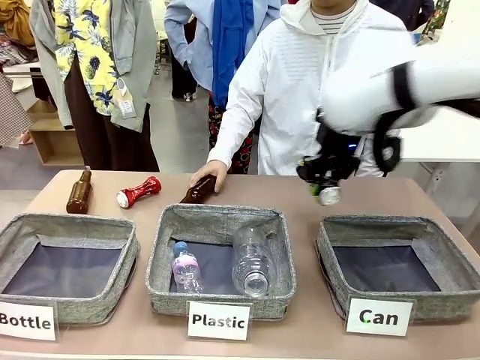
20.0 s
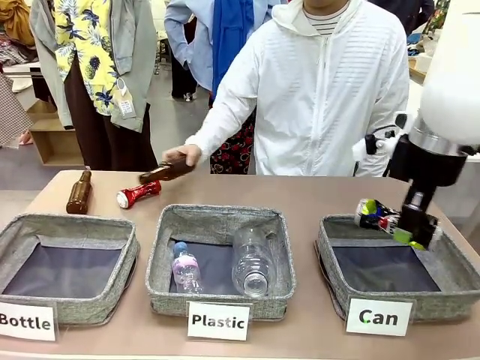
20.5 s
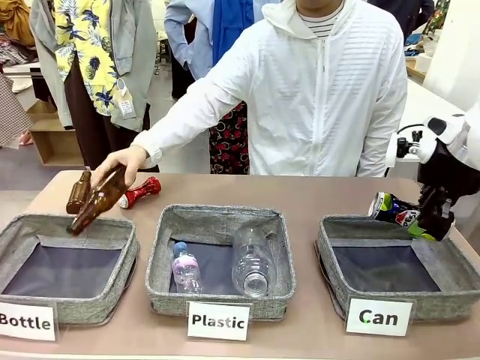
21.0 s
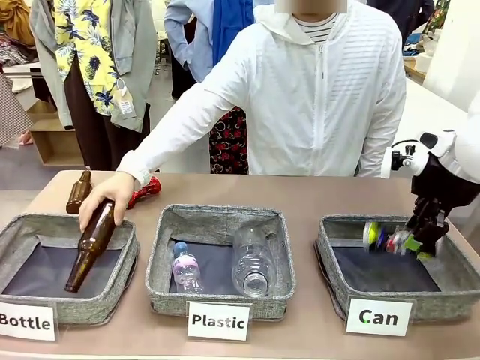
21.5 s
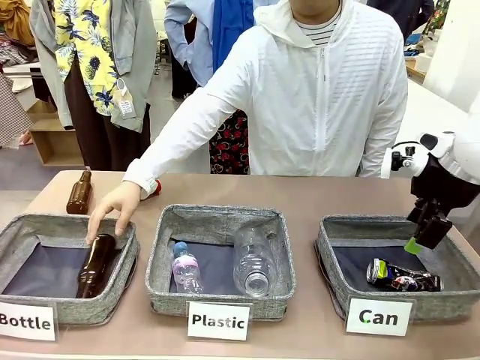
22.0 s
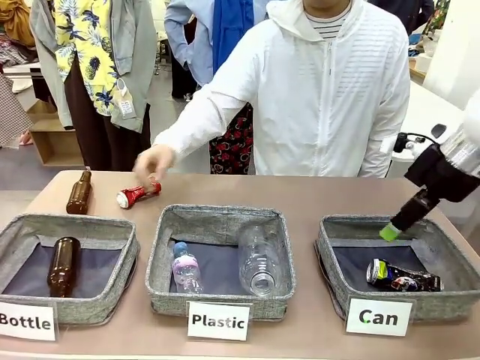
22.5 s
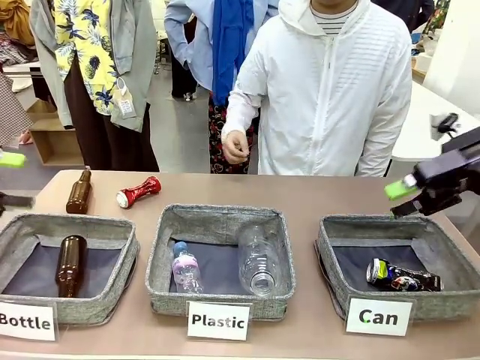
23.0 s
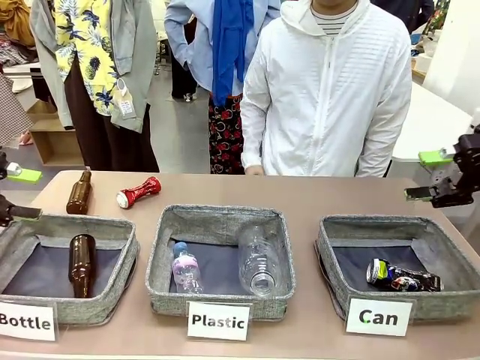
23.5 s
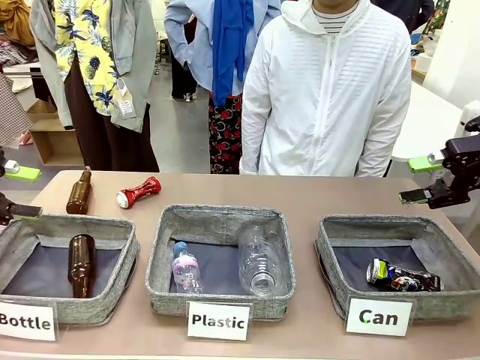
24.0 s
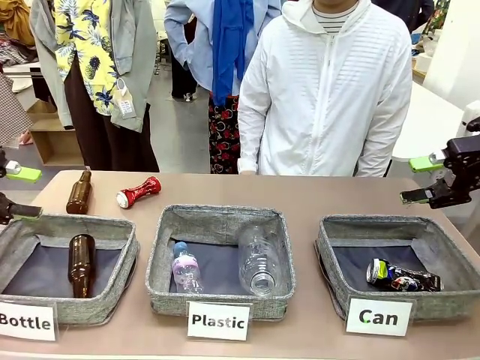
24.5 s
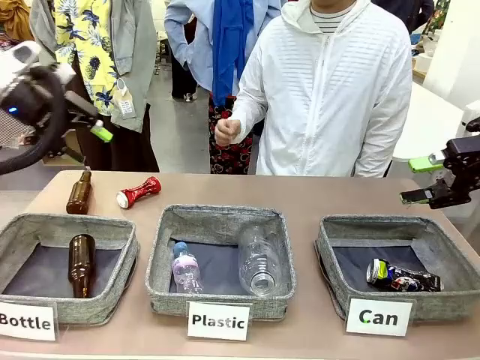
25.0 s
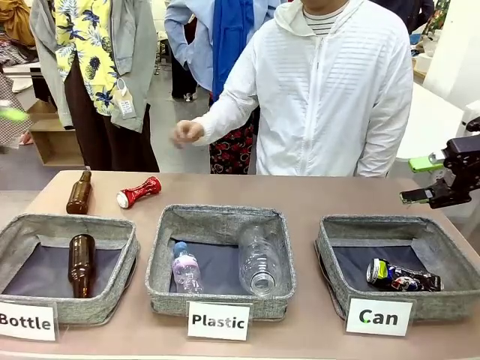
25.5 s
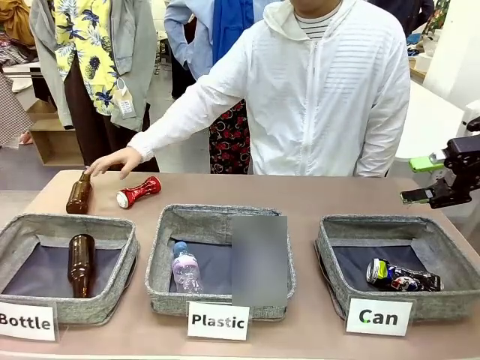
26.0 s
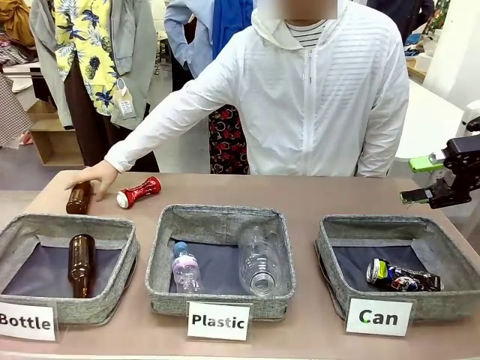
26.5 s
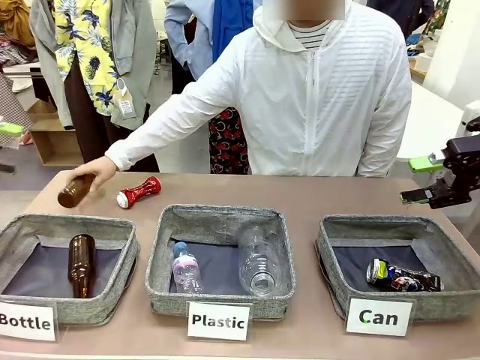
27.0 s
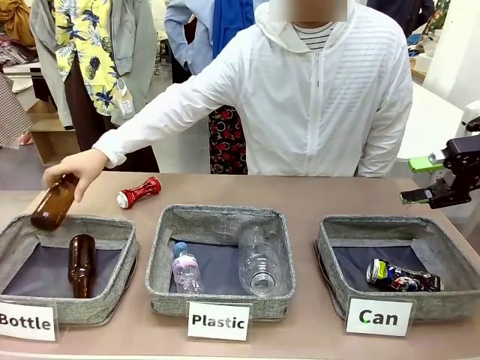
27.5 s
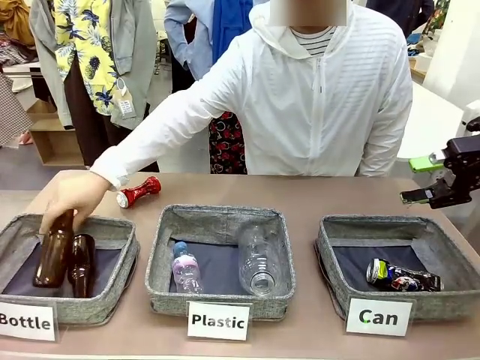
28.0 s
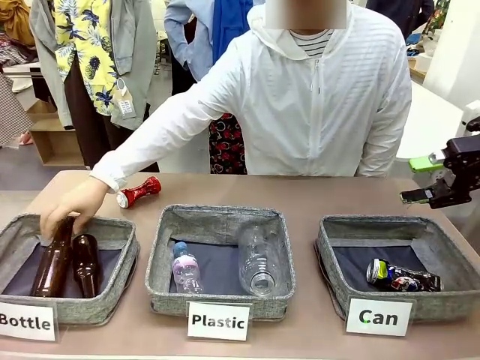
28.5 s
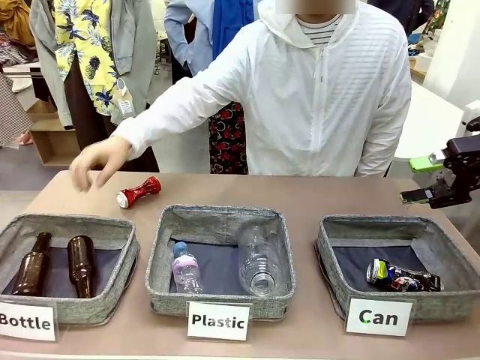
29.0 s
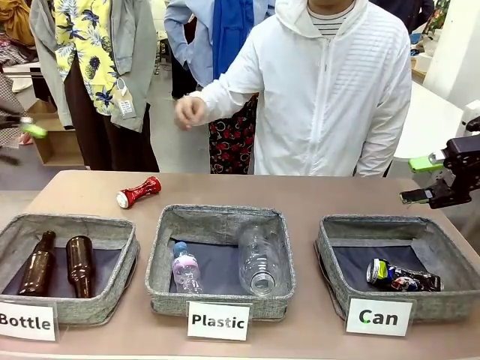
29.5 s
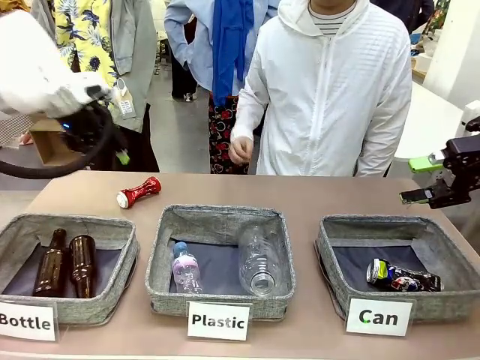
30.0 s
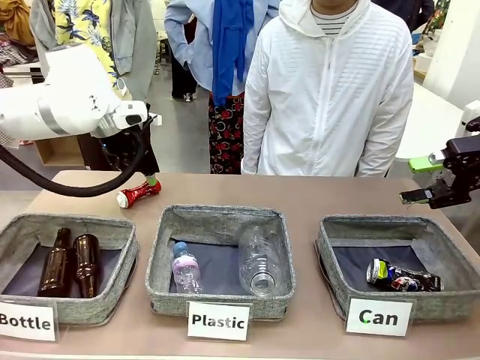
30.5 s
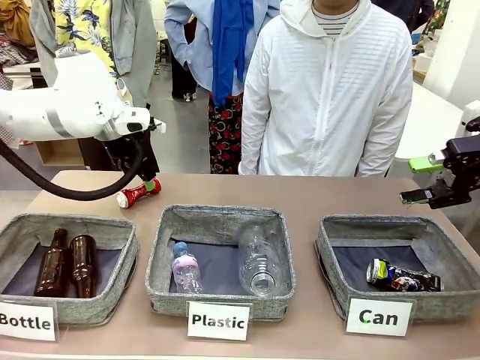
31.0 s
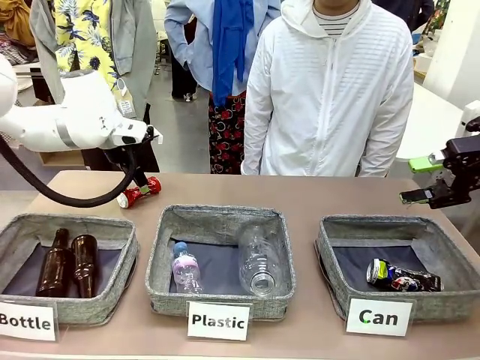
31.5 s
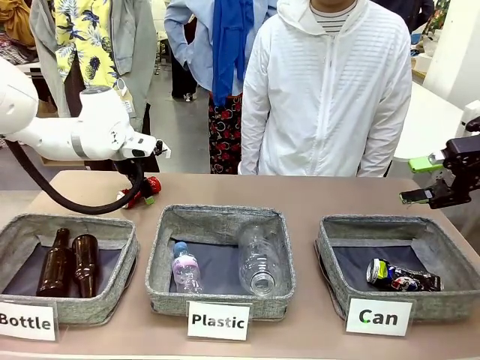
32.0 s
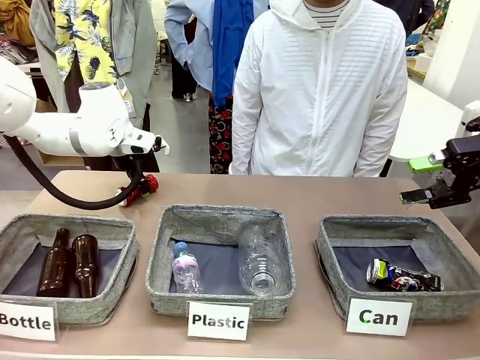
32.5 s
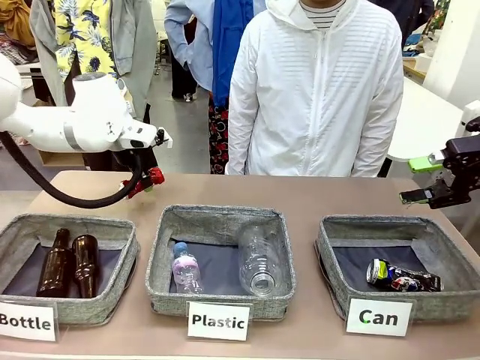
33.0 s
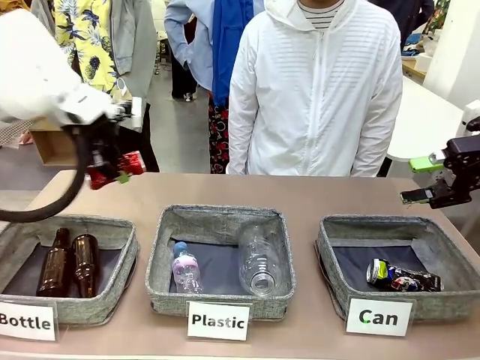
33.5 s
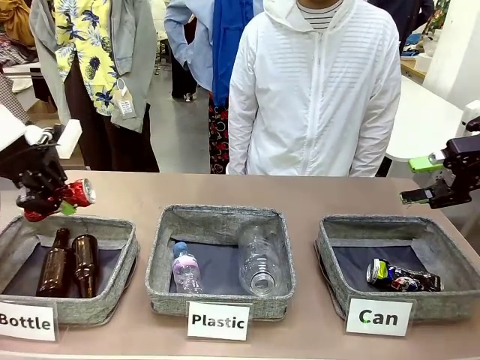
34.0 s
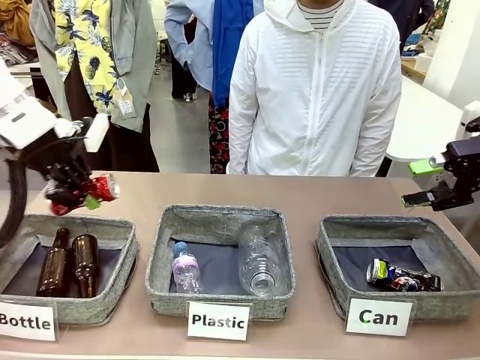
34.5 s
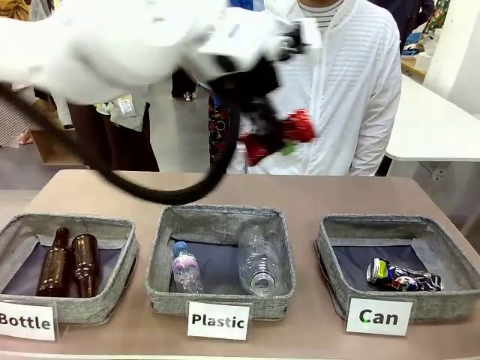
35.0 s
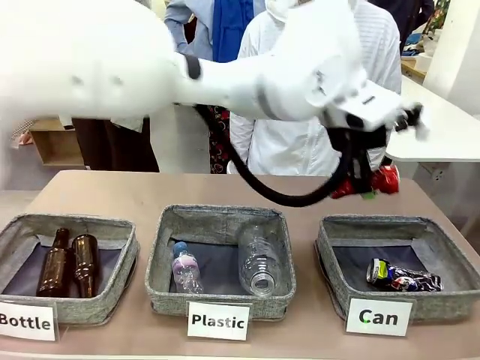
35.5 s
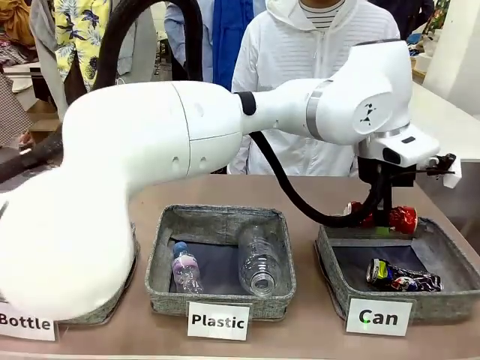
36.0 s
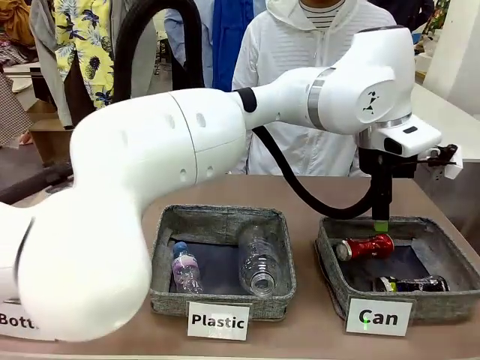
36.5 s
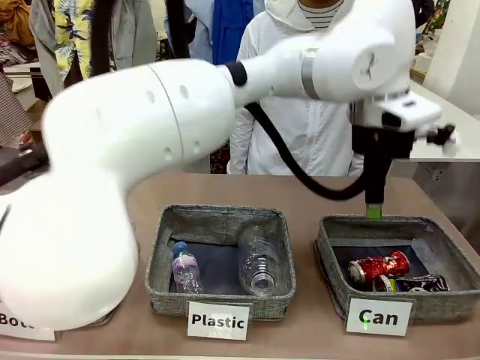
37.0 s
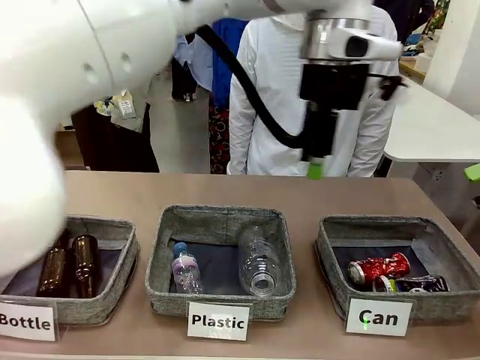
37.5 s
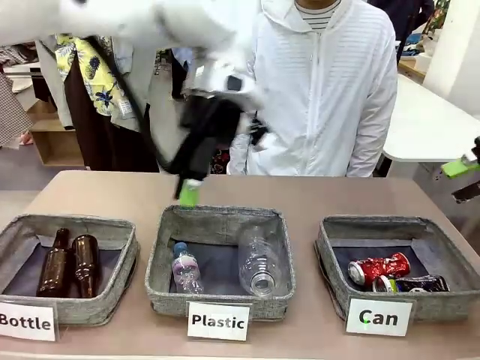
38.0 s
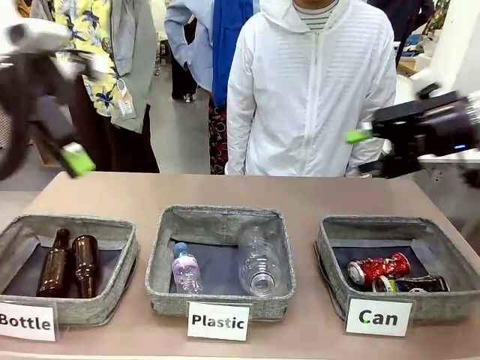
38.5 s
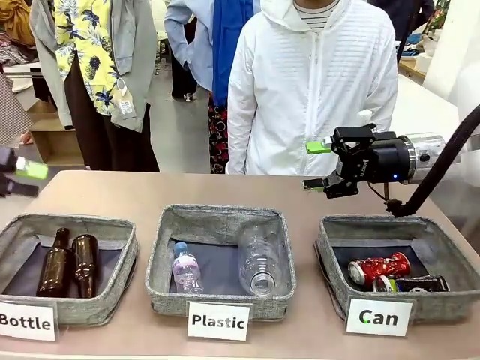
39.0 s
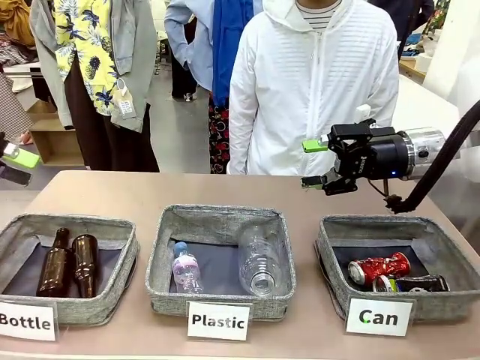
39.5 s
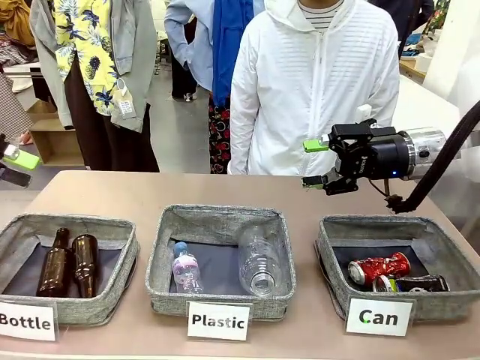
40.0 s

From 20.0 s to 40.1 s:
Task: Sort the can waste into the basket.
Robot: Pick up the can waste from the table and place it in the right Fabric basket.
Person: The human picks up one piece of trash that is not a can and places the trash into the appropriate organizing basket.

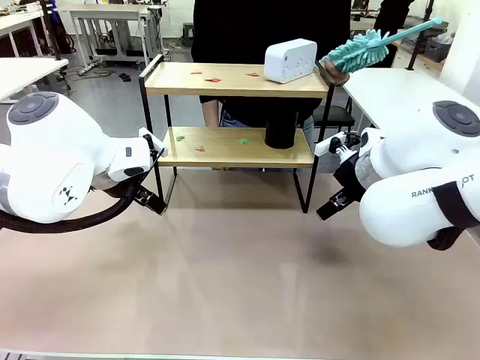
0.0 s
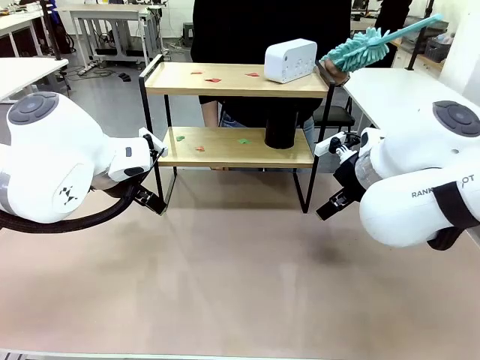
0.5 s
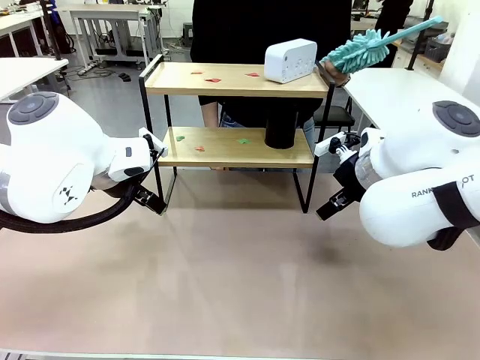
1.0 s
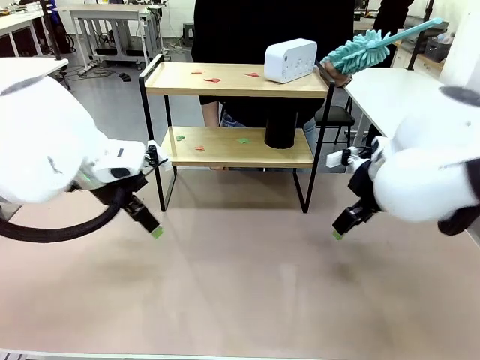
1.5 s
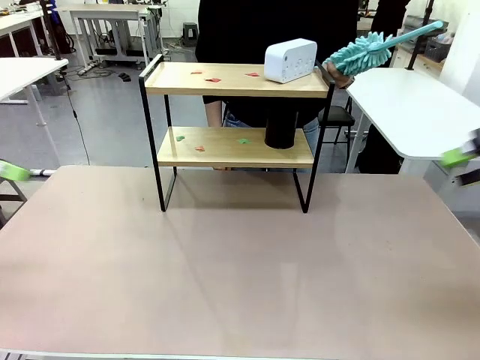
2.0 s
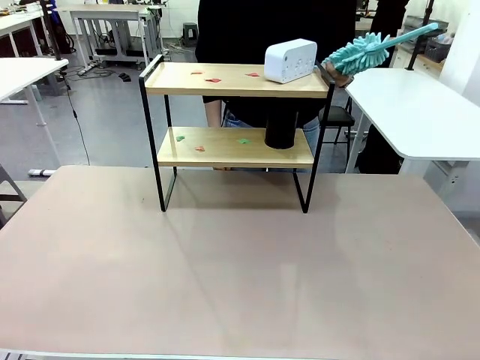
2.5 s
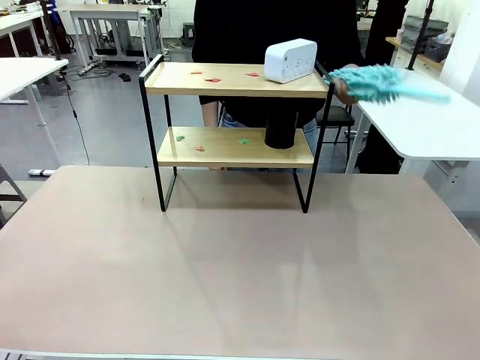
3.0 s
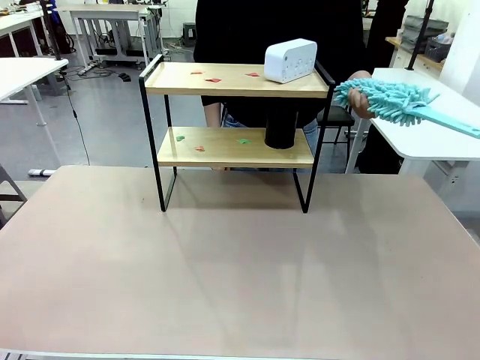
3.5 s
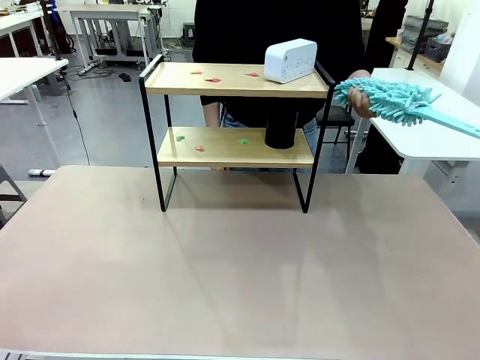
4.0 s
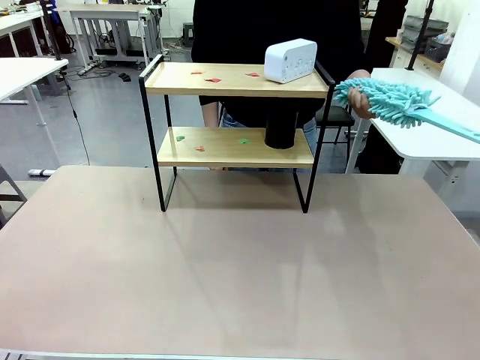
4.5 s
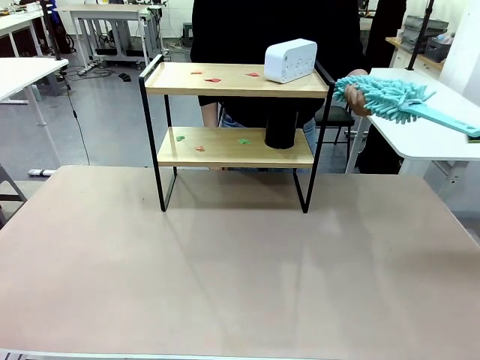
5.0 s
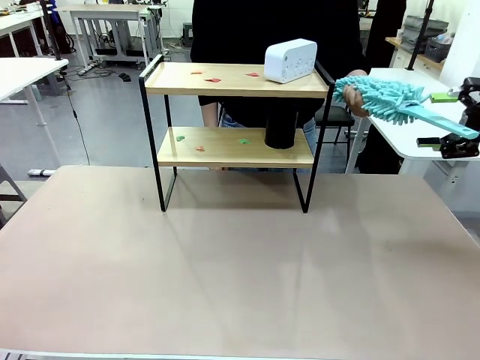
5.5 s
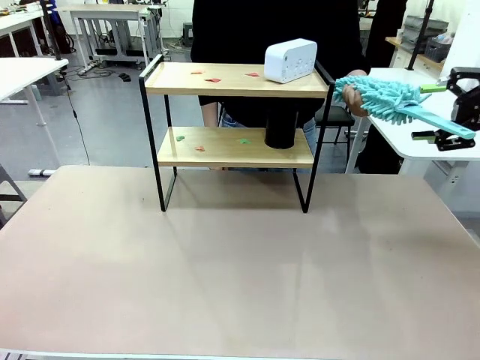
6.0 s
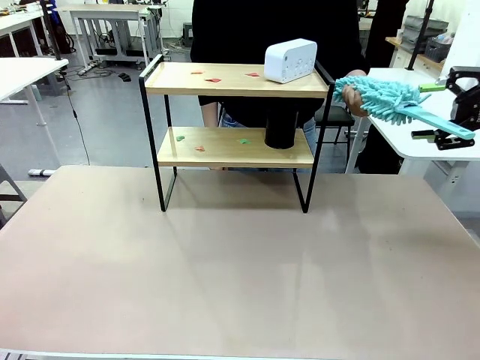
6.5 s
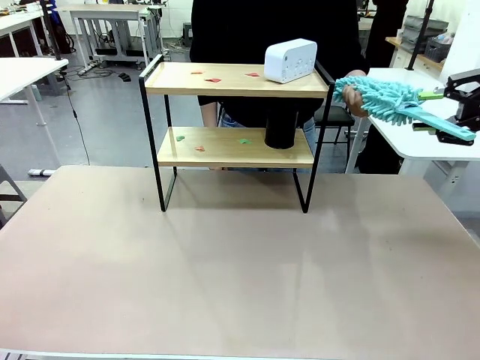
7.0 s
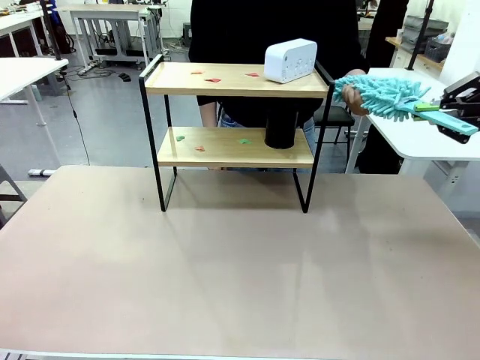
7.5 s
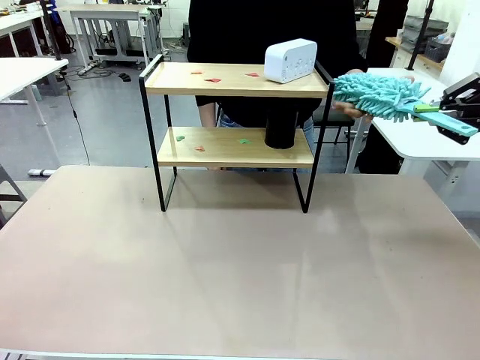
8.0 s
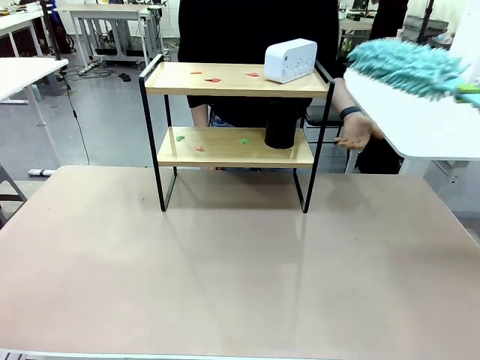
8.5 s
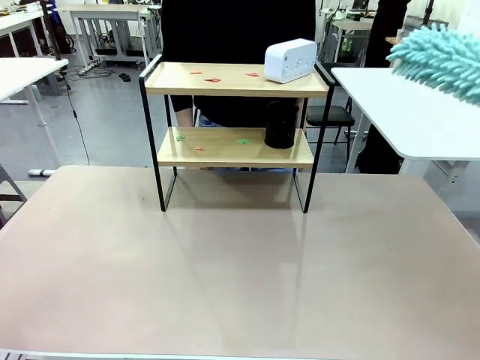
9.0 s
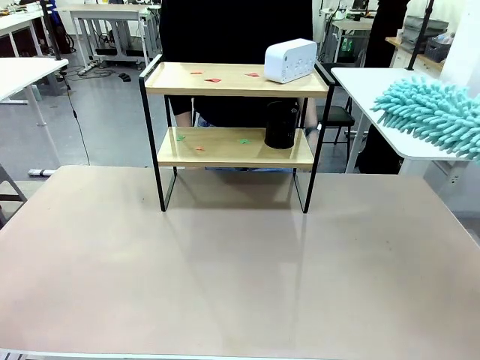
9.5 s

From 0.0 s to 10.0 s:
Task: Clean the shelf.
Robot: Pick up the Duster from the human.
Person: Hand the Duster to the robot.
